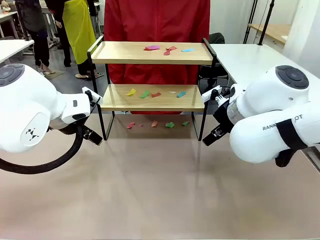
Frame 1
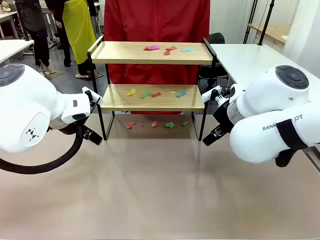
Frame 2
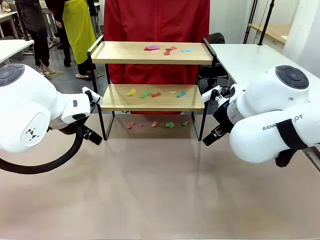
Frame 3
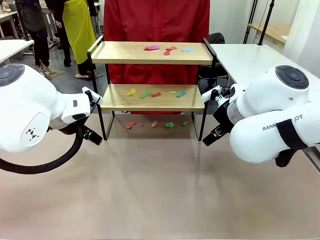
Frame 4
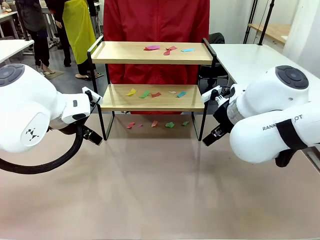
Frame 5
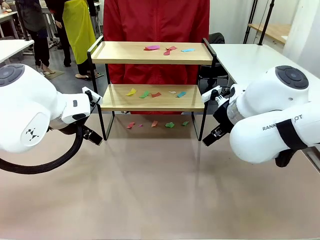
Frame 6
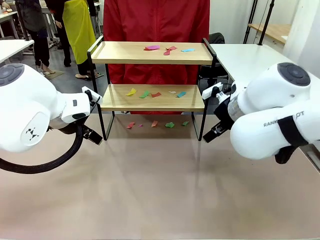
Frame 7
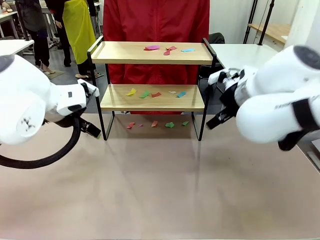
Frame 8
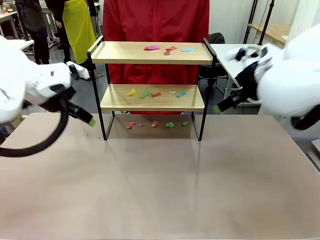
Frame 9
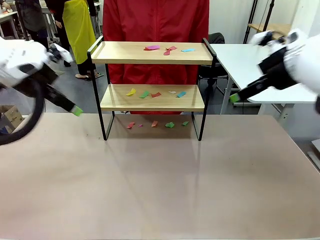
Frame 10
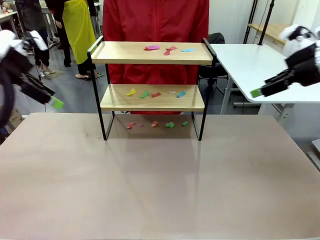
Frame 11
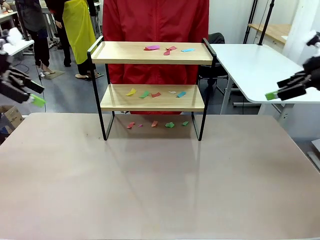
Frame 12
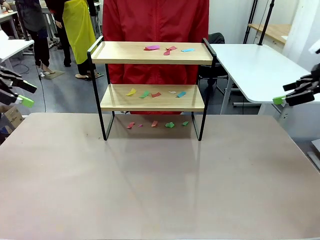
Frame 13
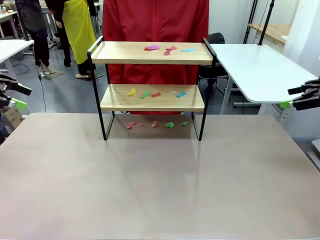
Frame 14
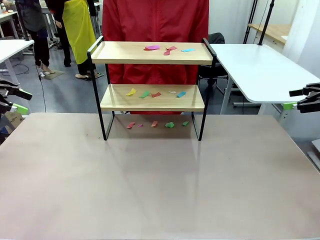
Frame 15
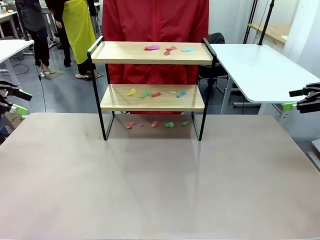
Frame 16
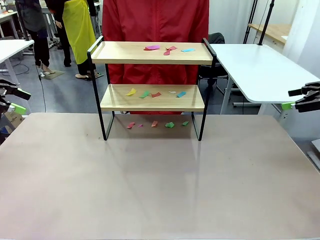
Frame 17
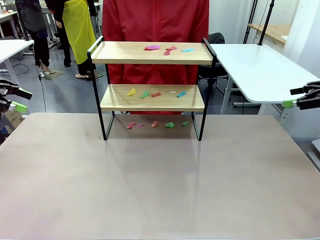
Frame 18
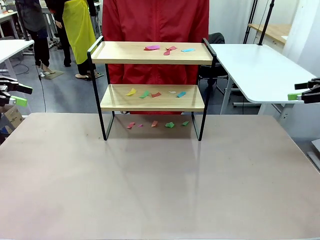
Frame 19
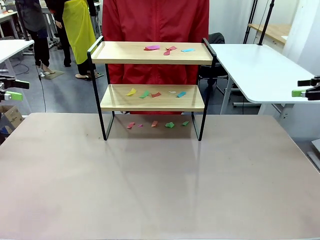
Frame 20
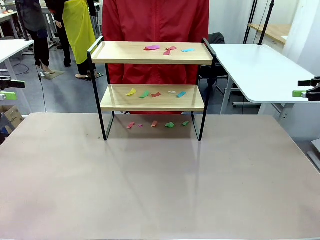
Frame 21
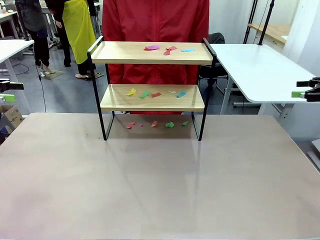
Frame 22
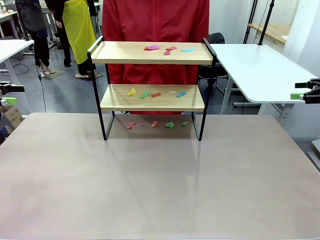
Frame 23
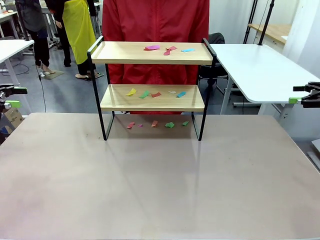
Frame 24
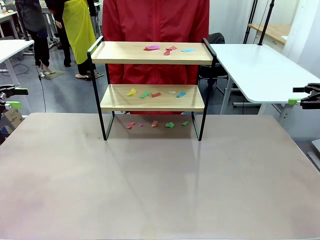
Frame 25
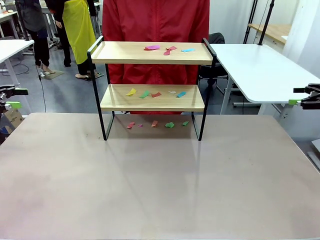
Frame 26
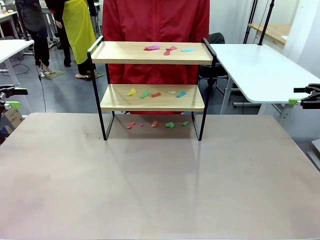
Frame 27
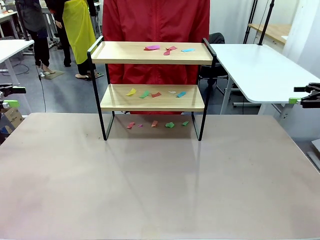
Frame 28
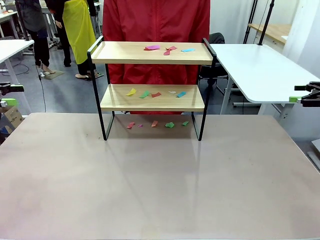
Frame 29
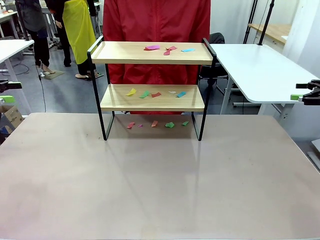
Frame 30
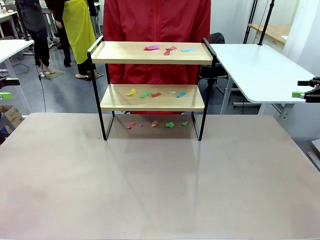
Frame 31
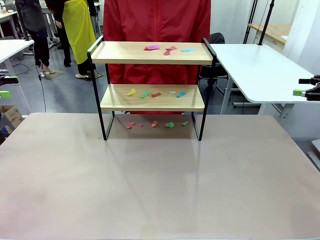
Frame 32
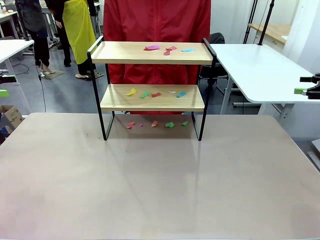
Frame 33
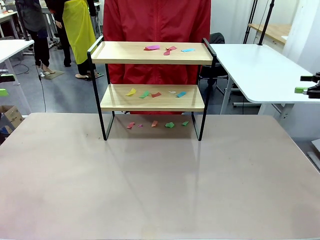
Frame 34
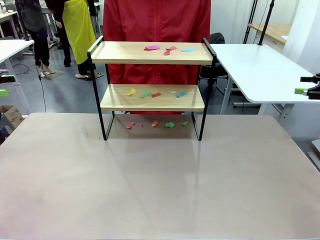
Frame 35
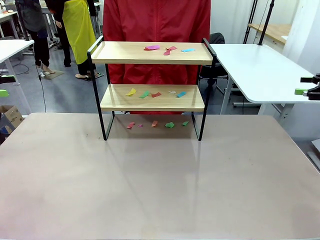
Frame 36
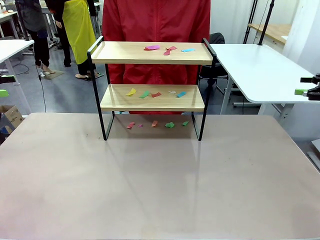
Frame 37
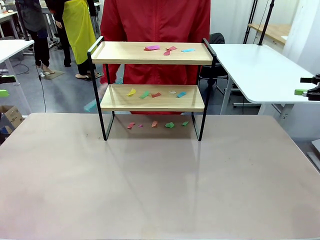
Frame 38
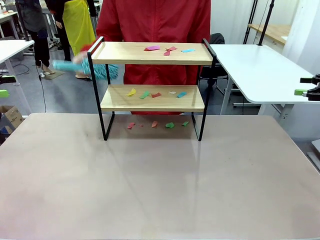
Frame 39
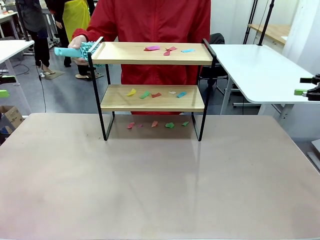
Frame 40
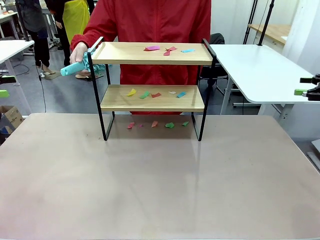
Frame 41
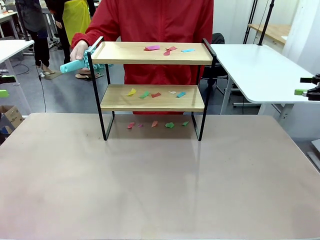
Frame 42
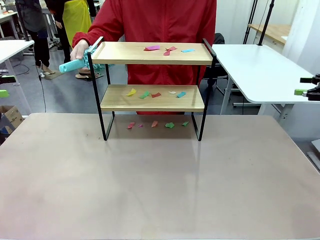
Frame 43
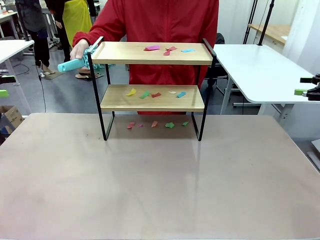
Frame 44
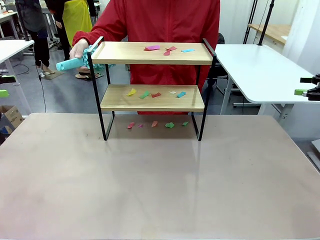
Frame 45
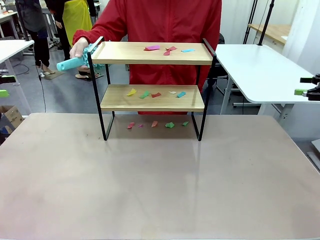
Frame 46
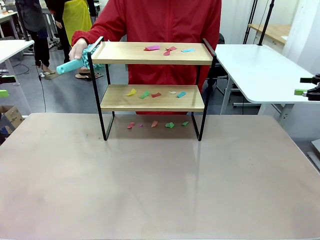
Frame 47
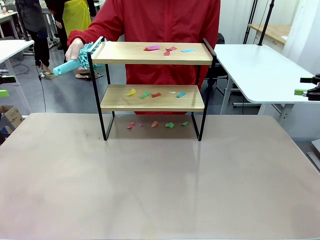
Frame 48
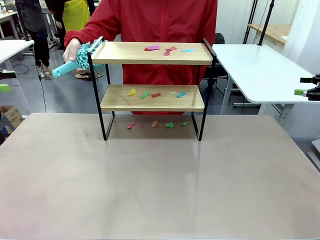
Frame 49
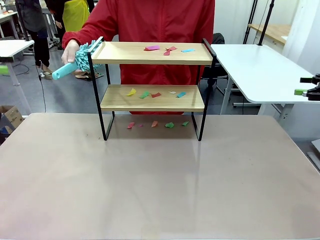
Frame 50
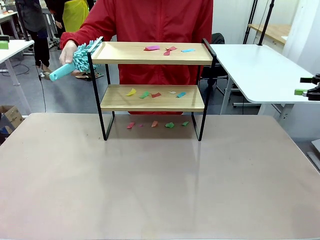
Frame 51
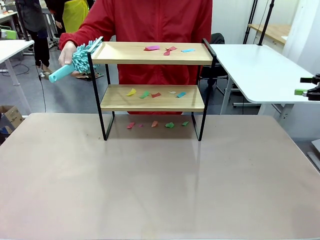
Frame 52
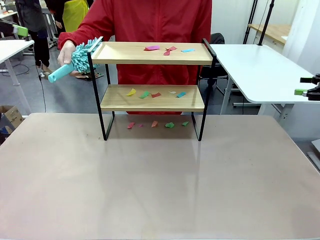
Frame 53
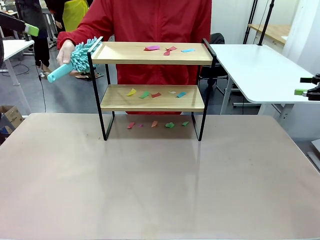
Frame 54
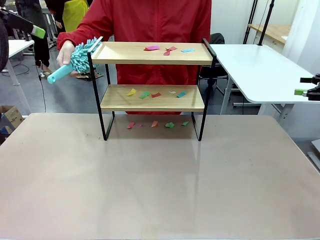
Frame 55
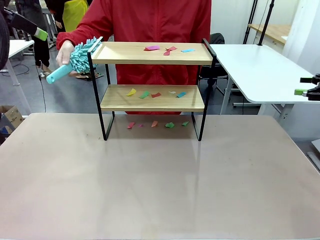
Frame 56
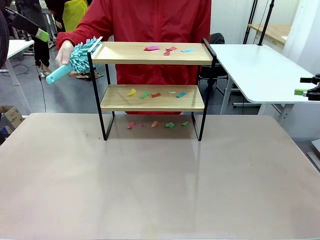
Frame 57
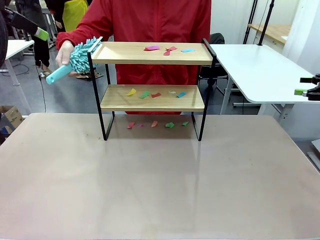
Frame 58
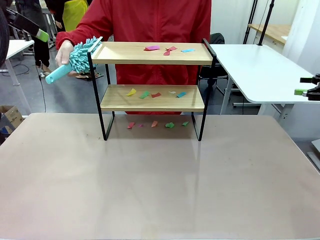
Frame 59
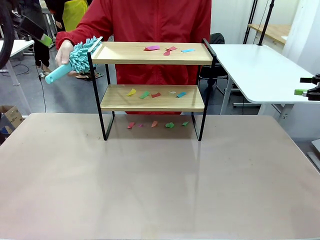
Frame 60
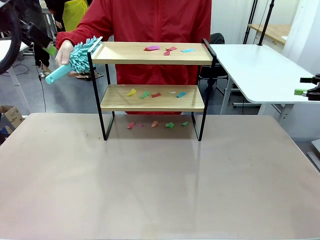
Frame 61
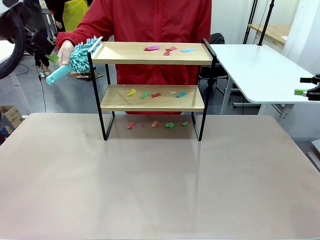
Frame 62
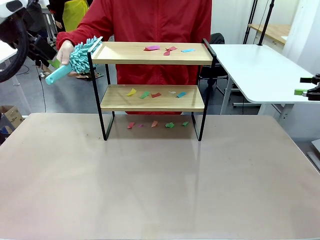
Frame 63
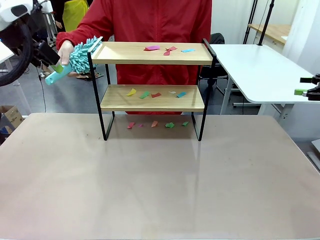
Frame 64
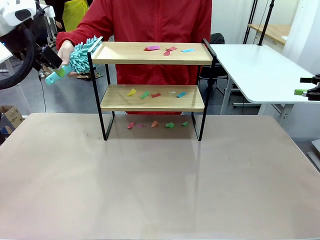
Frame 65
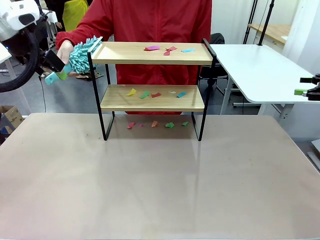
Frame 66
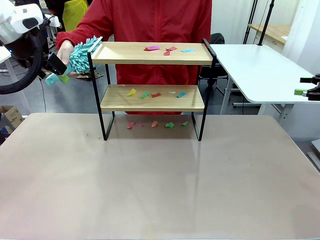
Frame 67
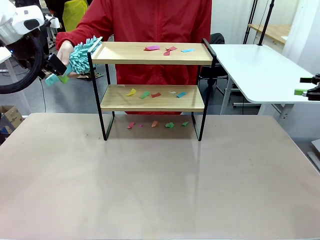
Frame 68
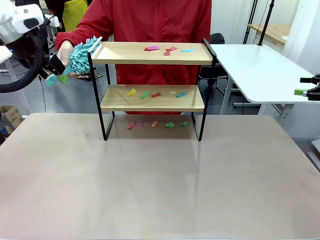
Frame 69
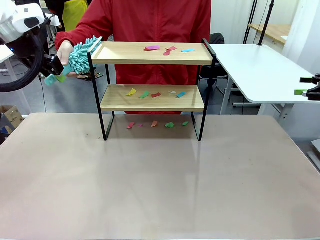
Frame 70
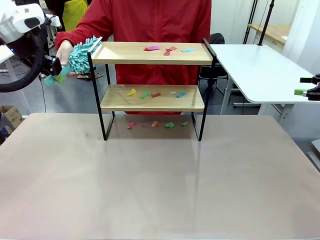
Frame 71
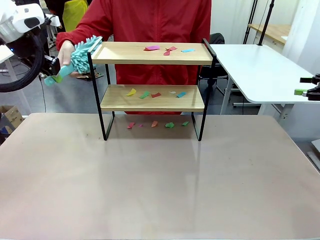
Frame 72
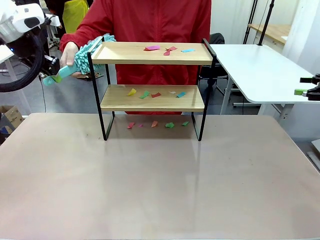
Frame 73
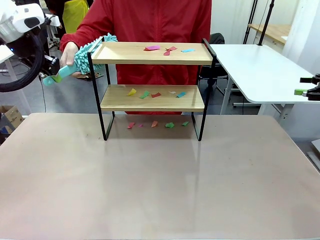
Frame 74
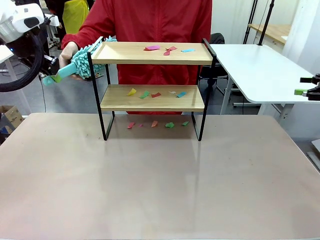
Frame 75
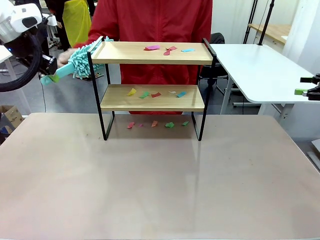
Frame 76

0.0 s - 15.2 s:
Task: Clean the shelf.
Robot: Pick up the Duster handed by the human.
Person: Hand the Duster to the robot.
